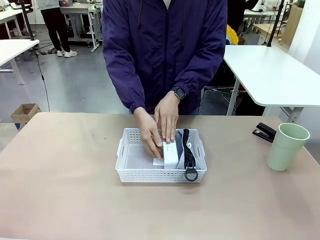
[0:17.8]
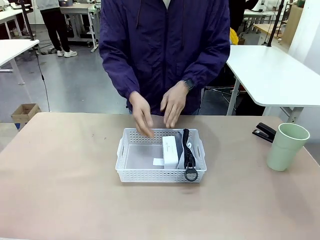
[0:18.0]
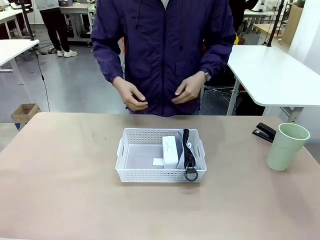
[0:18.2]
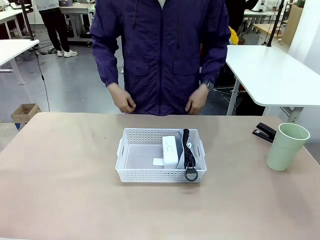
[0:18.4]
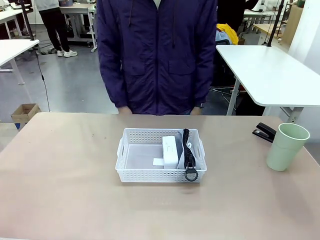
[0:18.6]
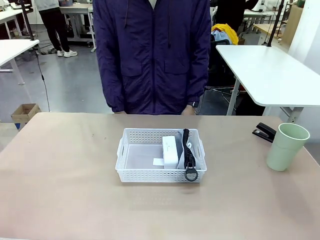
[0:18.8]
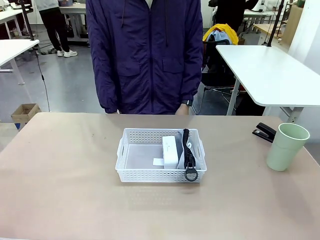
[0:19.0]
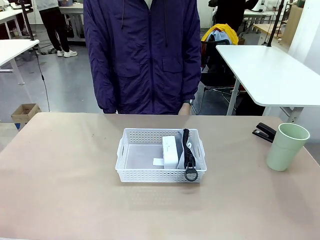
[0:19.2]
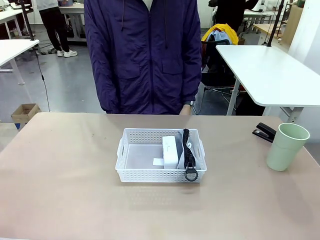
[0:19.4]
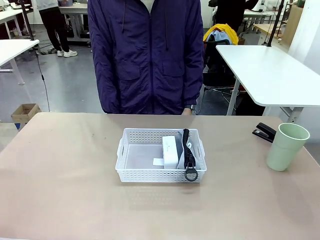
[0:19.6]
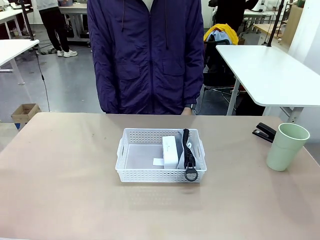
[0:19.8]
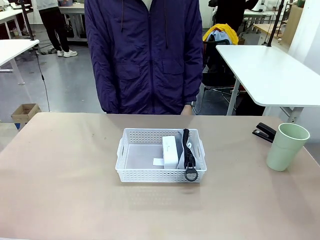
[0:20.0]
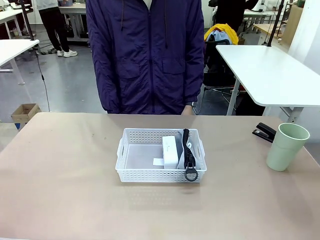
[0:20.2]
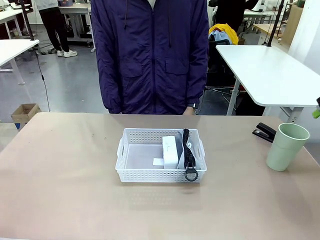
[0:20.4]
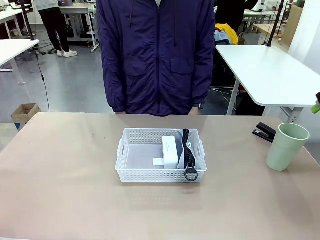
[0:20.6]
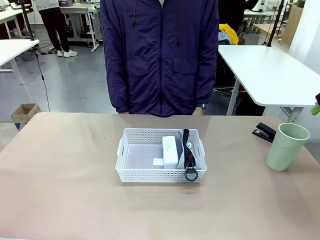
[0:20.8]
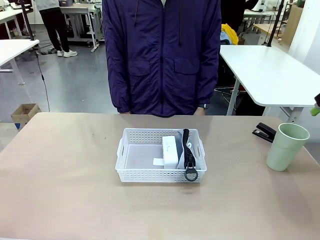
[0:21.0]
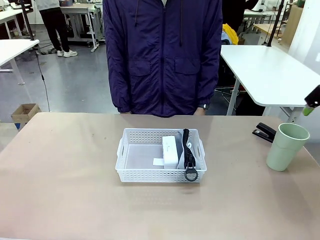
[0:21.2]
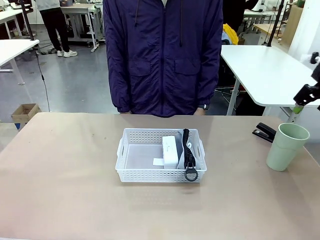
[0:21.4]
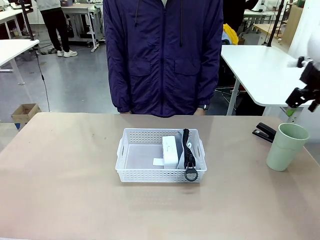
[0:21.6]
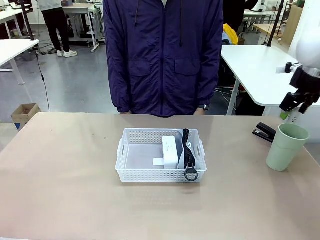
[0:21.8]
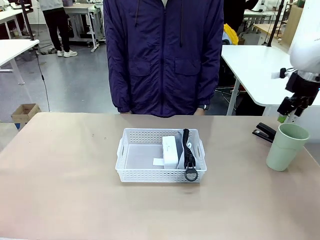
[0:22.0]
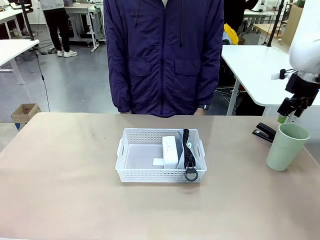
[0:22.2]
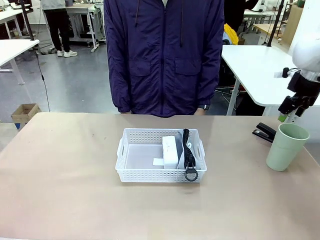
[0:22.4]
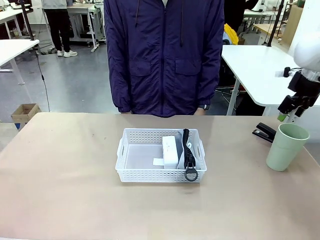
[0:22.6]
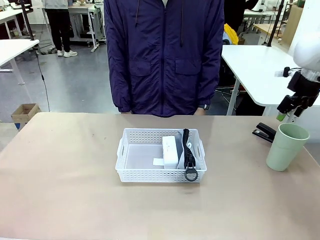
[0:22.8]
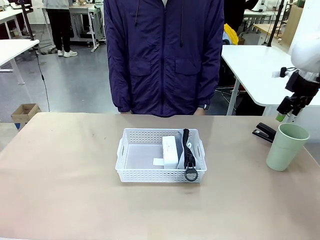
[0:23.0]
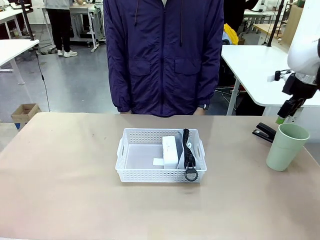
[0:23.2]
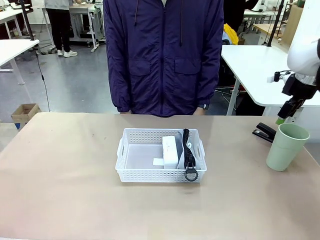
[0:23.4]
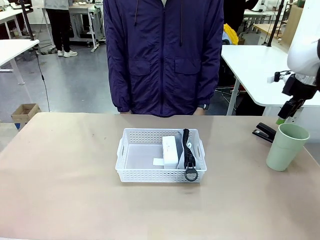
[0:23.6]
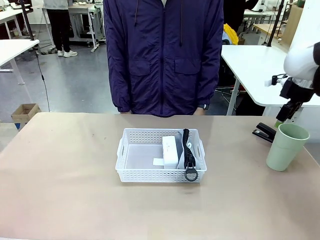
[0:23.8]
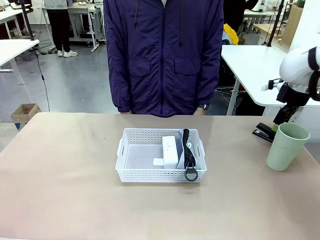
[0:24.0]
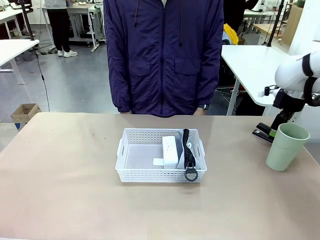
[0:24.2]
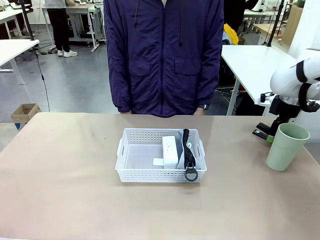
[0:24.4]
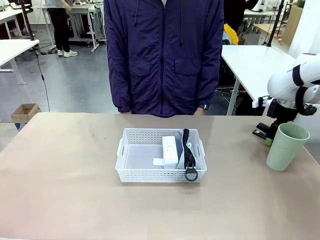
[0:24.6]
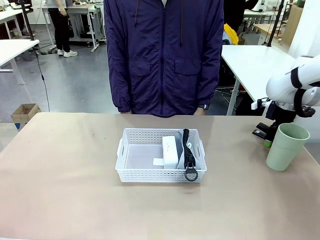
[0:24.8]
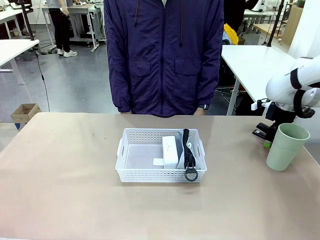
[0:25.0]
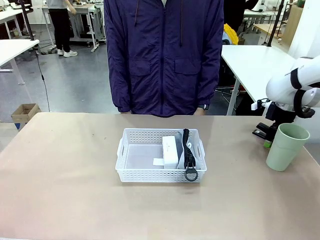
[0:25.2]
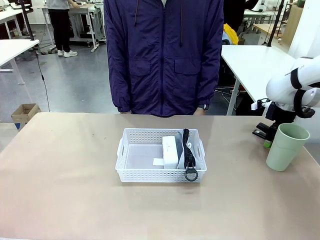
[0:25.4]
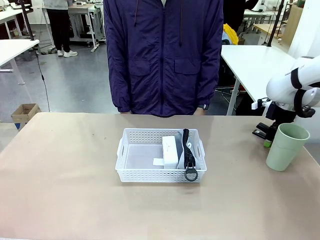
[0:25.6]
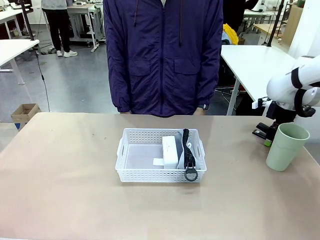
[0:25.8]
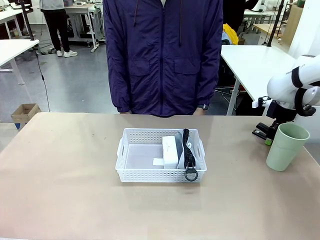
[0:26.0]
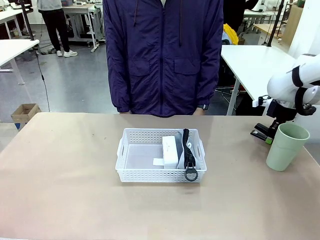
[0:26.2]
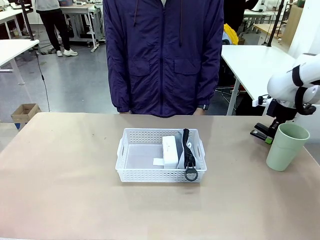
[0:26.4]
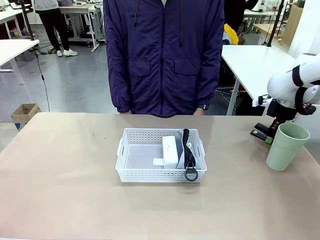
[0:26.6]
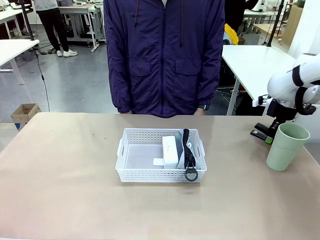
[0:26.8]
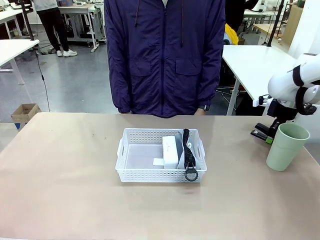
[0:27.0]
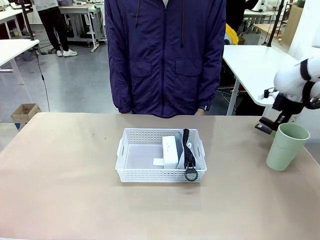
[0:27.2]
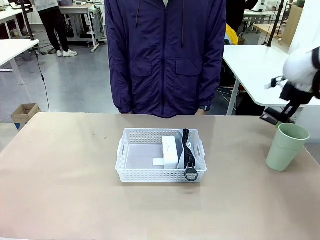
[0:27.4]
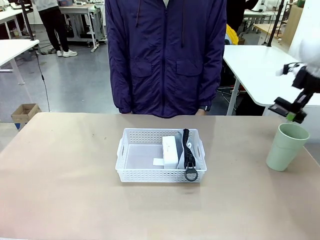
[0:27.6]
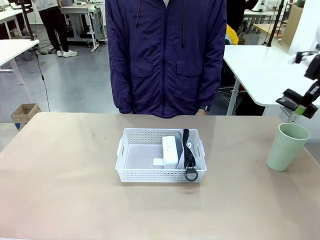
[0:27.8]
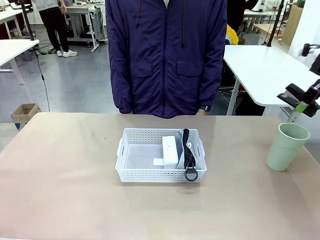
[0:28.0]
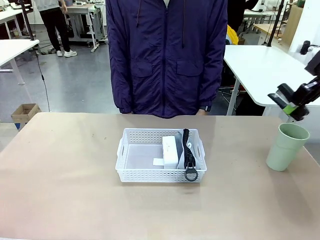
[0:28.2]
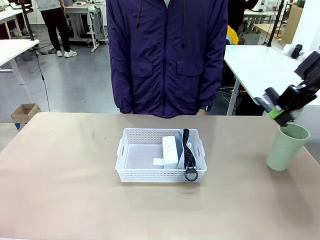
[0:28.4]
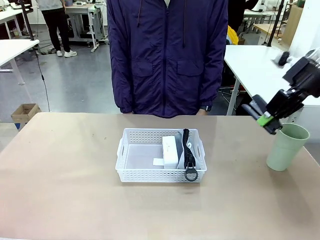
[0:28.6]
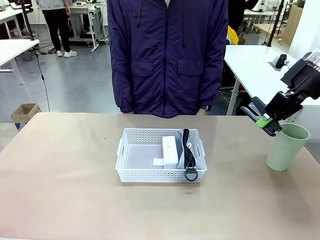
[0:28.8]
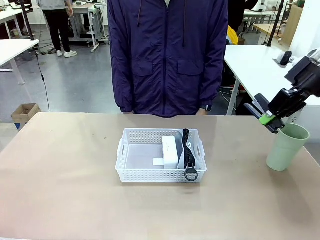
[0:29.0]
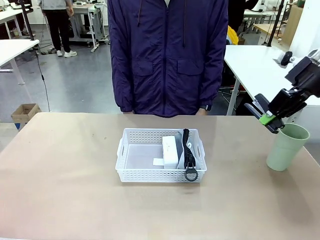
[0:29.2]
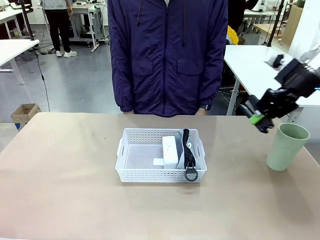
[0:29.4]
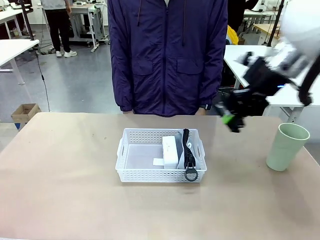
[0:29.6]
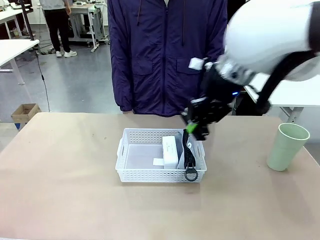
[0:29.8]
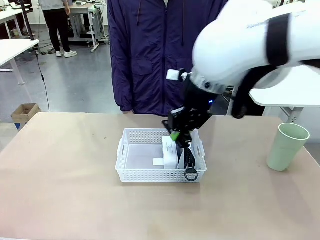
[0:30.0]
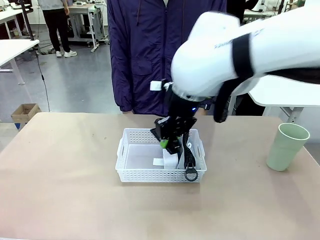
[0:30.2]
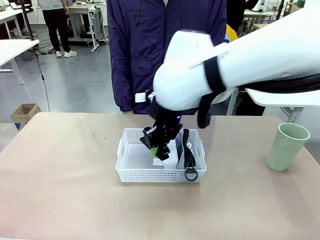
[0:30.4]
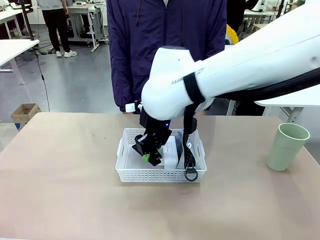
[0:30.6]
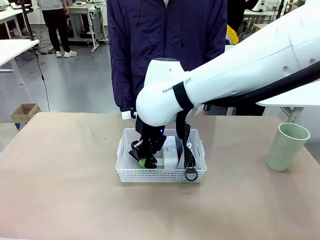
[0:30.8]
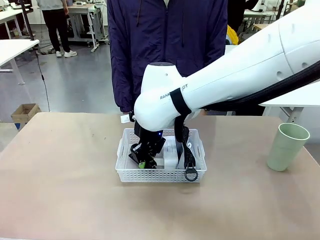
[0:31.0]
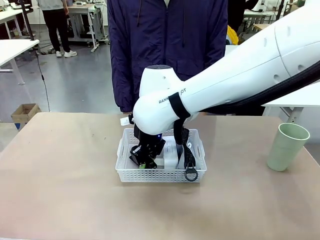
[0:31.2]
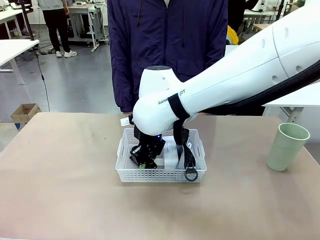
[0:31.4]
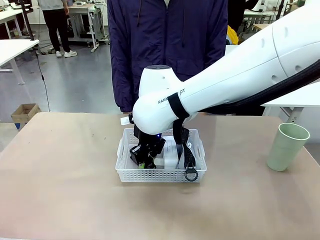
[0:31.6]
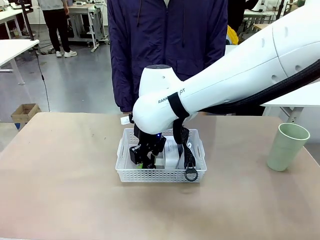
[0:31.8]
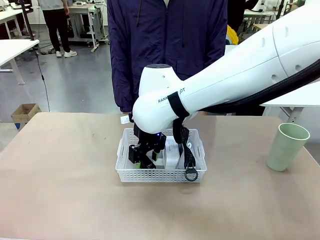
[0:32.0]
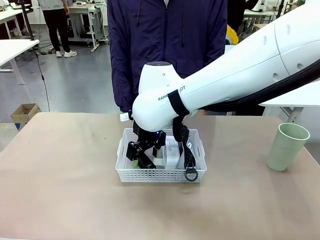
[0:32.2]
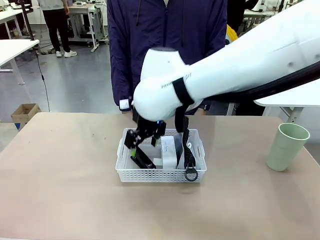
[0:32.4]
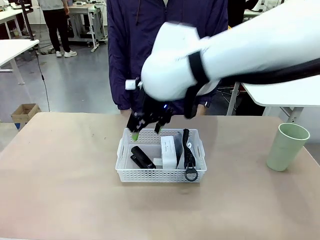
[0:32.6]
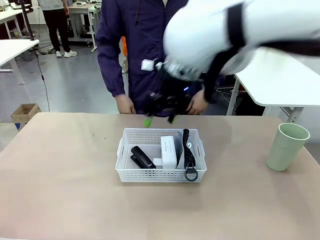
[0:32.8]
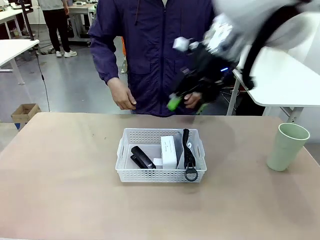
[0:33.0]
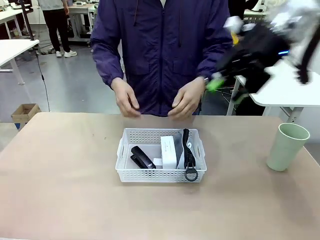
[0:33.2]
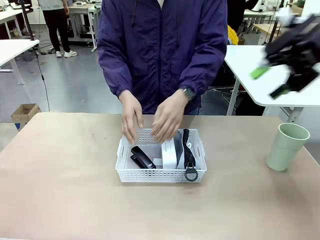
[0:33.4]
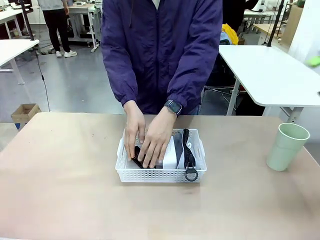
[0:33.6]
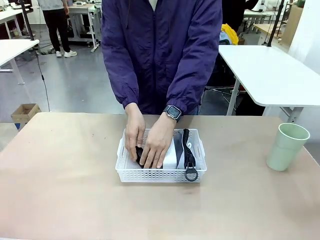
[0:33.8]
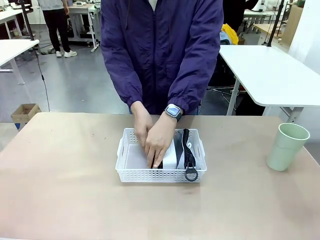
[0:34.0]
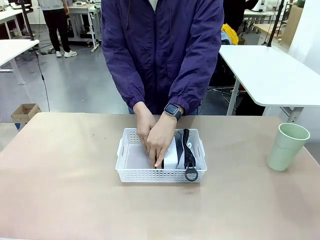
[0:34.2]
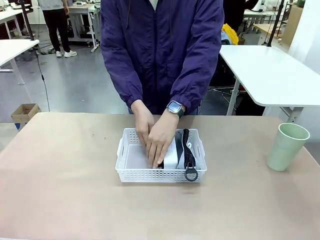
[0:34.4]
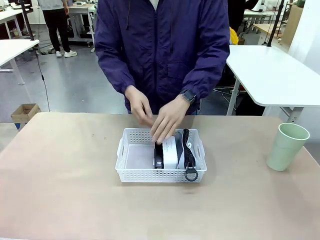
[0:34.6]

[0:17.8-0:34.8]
Task: Efficiently arrange items inside the basket to fit them all.
Robot: Pick up the Stapler and place it inside the Organizing basket.
